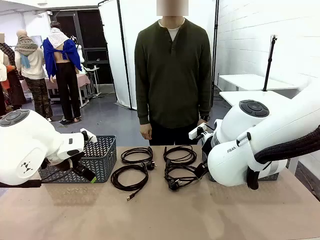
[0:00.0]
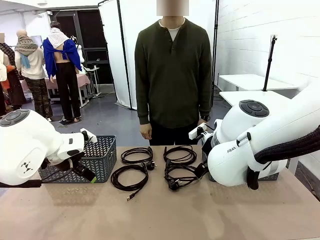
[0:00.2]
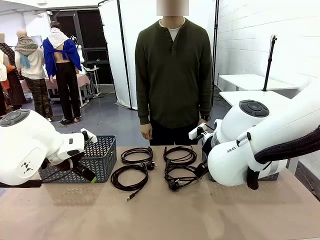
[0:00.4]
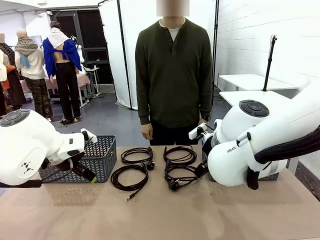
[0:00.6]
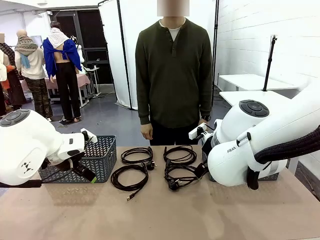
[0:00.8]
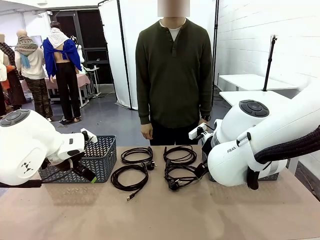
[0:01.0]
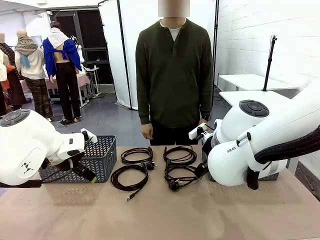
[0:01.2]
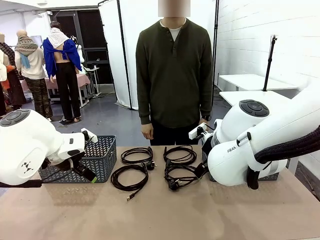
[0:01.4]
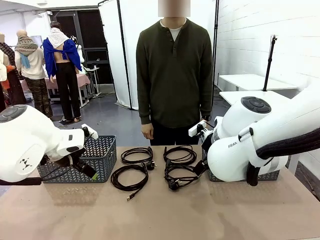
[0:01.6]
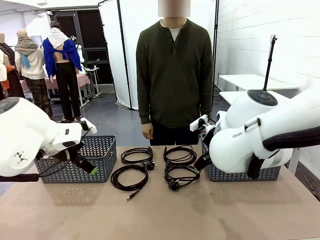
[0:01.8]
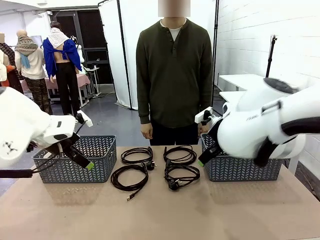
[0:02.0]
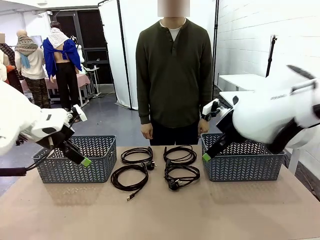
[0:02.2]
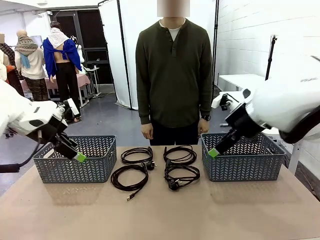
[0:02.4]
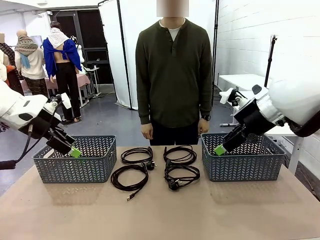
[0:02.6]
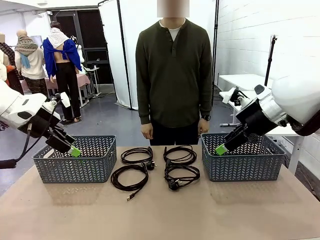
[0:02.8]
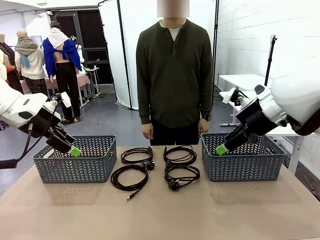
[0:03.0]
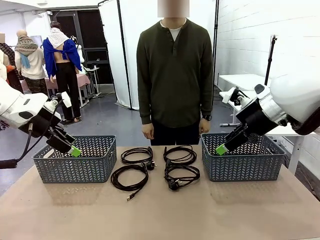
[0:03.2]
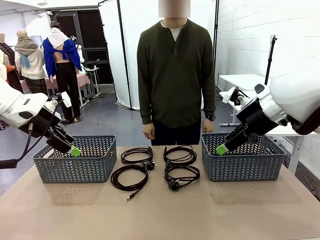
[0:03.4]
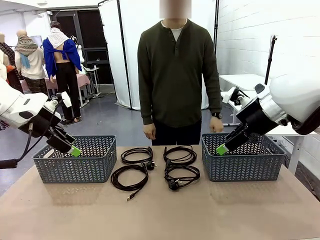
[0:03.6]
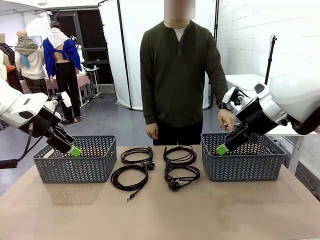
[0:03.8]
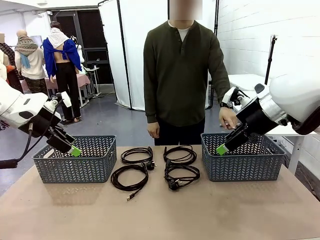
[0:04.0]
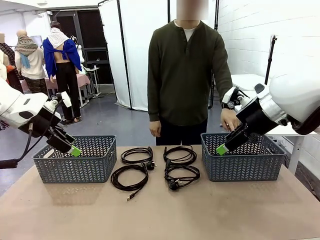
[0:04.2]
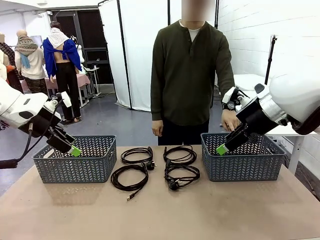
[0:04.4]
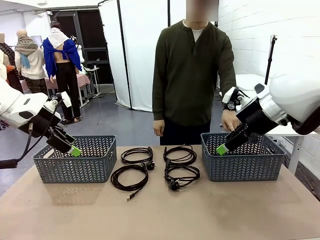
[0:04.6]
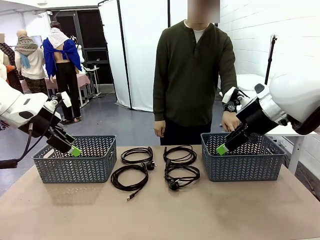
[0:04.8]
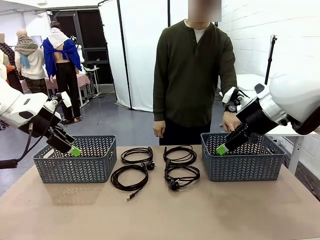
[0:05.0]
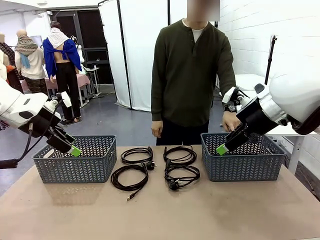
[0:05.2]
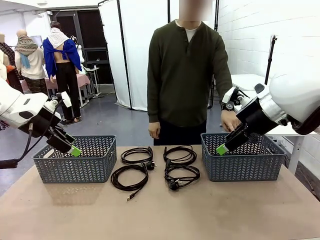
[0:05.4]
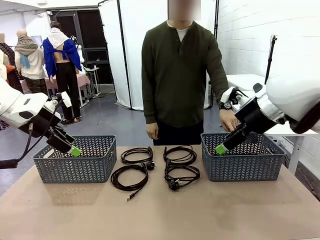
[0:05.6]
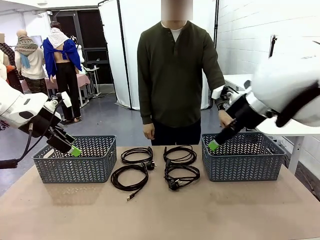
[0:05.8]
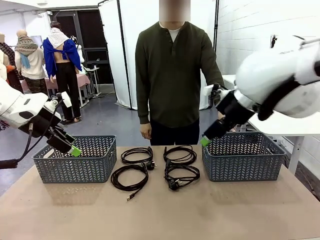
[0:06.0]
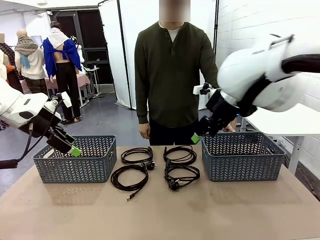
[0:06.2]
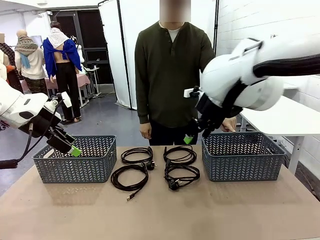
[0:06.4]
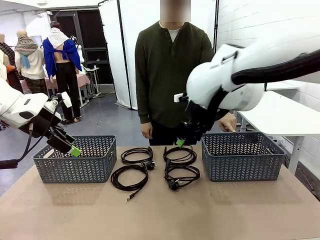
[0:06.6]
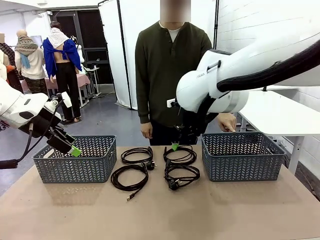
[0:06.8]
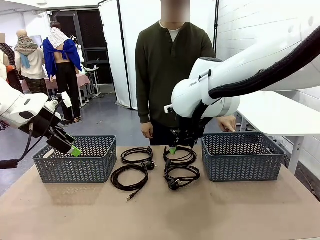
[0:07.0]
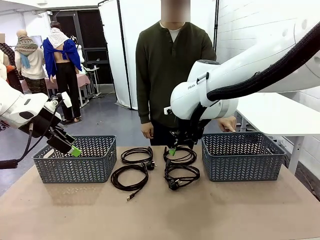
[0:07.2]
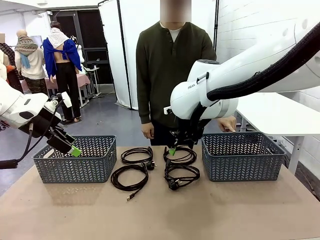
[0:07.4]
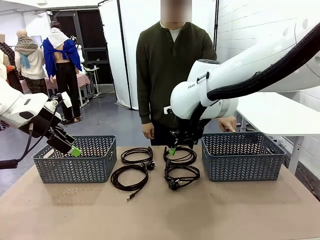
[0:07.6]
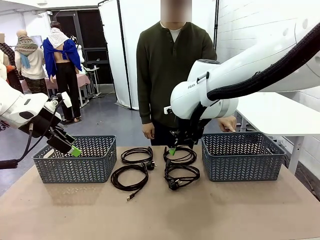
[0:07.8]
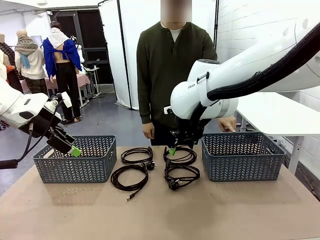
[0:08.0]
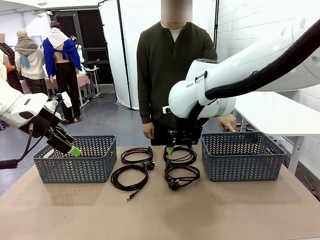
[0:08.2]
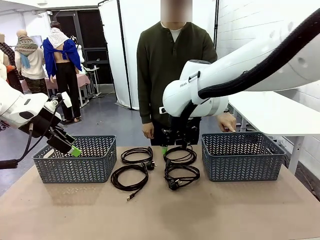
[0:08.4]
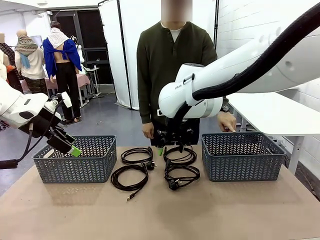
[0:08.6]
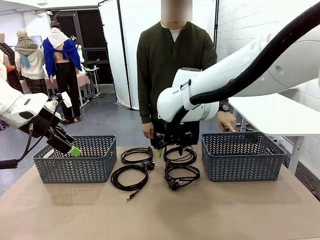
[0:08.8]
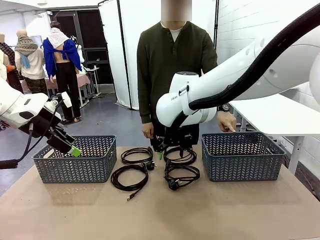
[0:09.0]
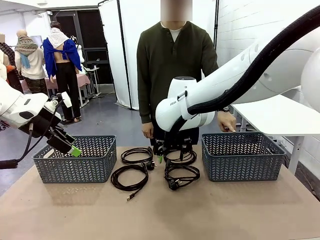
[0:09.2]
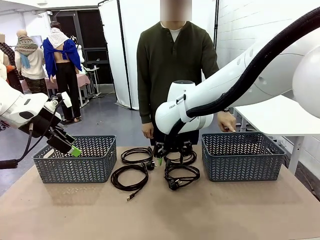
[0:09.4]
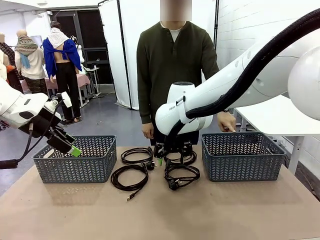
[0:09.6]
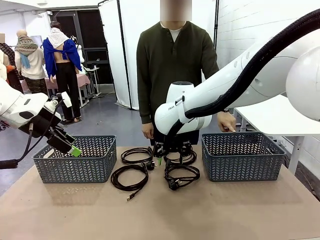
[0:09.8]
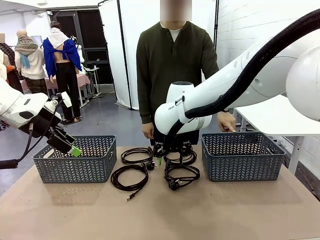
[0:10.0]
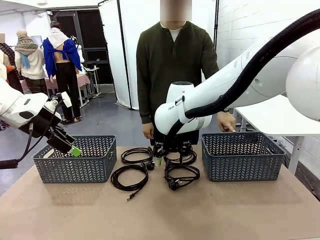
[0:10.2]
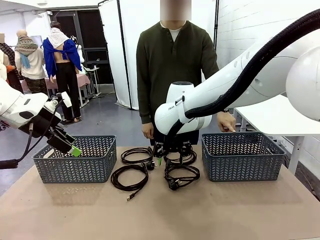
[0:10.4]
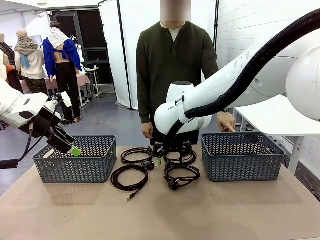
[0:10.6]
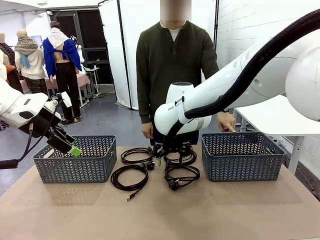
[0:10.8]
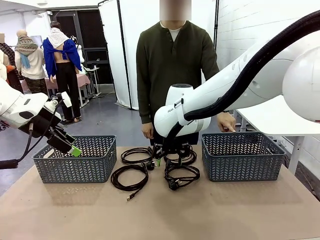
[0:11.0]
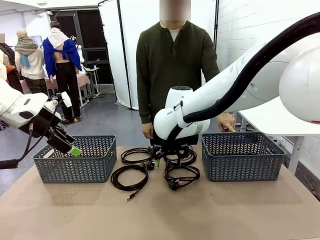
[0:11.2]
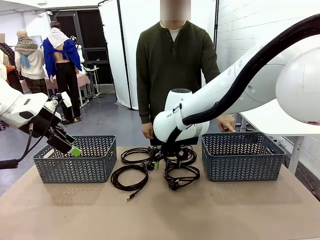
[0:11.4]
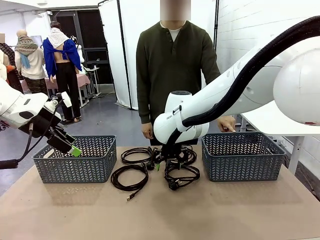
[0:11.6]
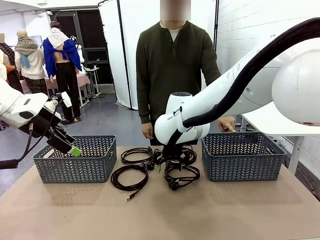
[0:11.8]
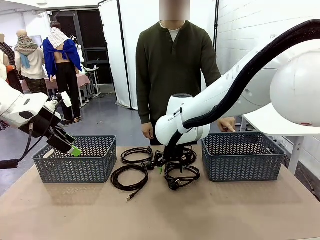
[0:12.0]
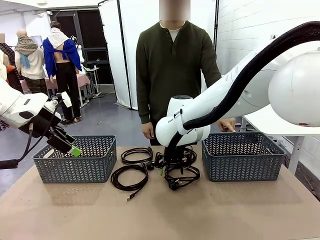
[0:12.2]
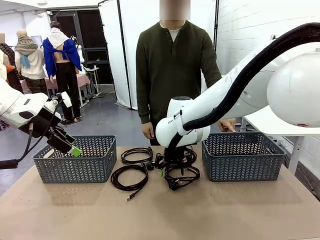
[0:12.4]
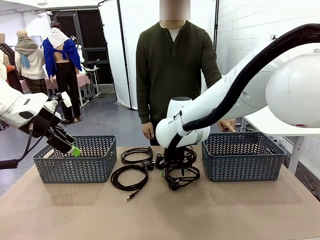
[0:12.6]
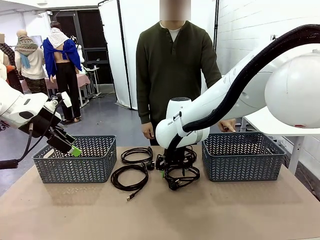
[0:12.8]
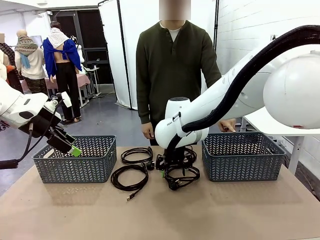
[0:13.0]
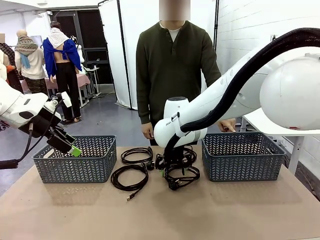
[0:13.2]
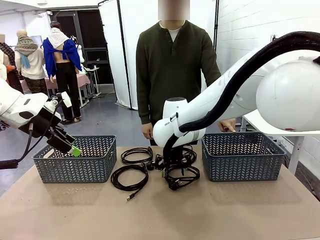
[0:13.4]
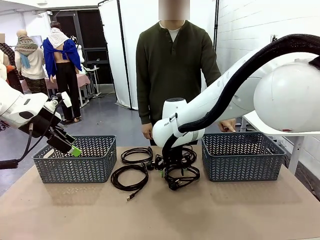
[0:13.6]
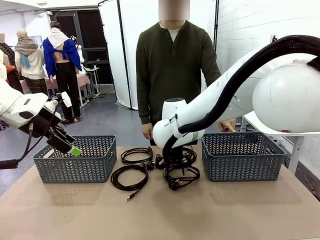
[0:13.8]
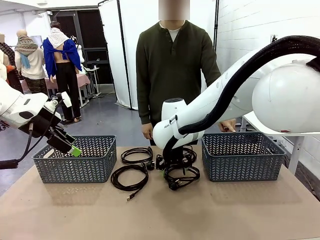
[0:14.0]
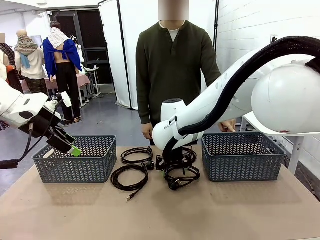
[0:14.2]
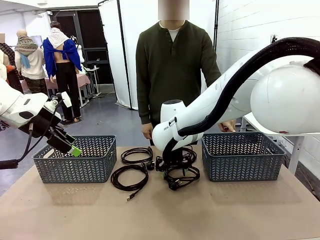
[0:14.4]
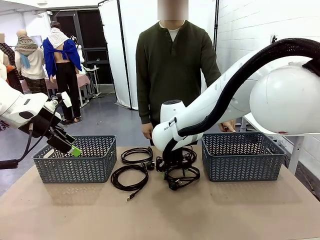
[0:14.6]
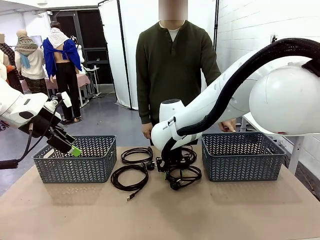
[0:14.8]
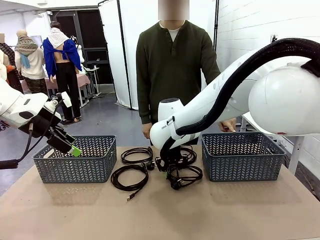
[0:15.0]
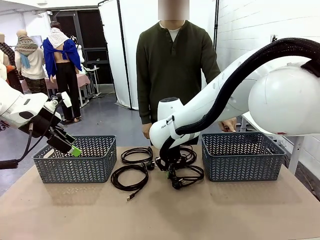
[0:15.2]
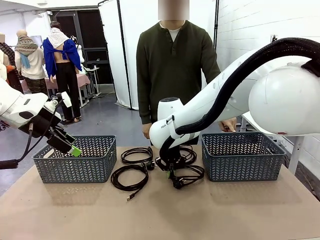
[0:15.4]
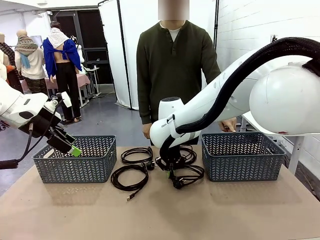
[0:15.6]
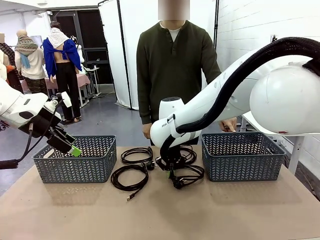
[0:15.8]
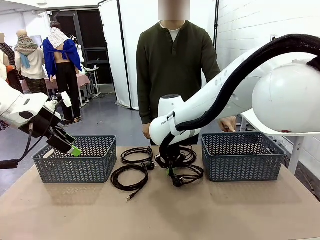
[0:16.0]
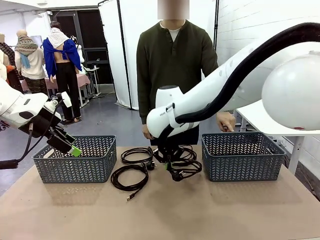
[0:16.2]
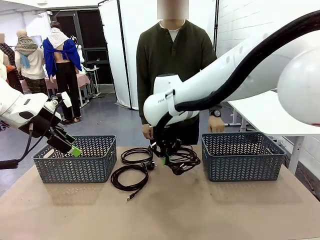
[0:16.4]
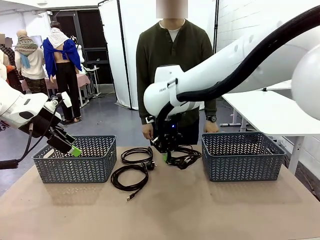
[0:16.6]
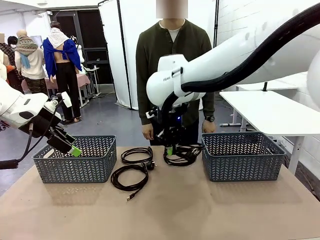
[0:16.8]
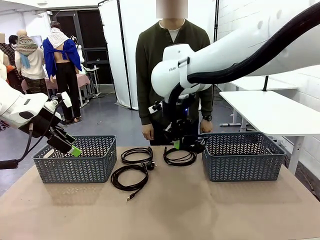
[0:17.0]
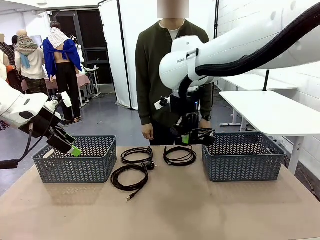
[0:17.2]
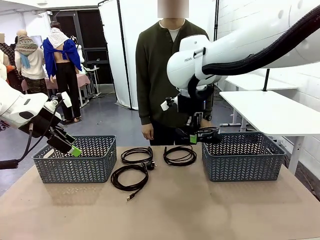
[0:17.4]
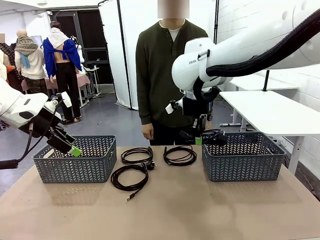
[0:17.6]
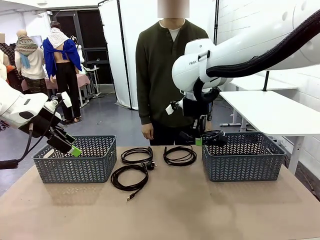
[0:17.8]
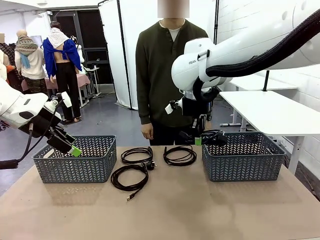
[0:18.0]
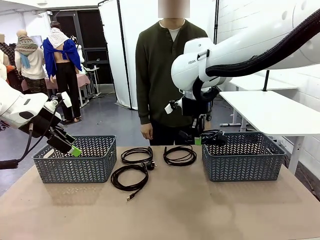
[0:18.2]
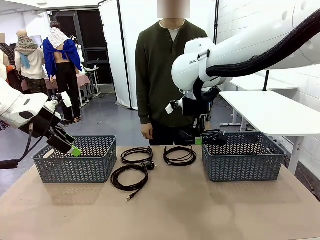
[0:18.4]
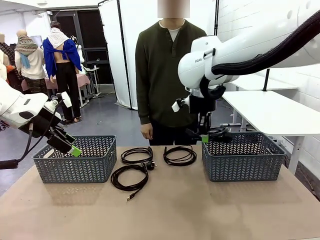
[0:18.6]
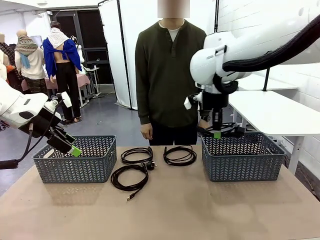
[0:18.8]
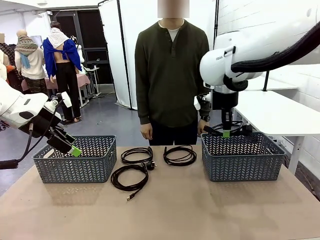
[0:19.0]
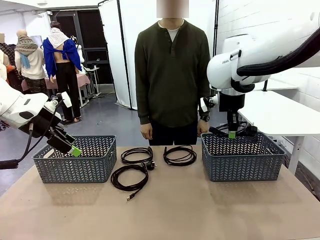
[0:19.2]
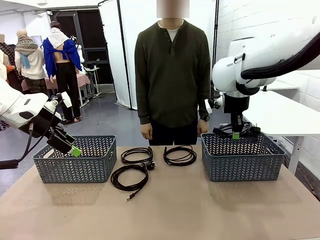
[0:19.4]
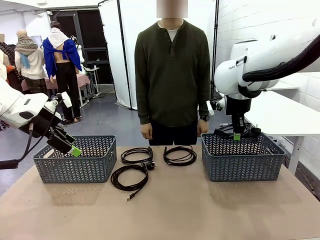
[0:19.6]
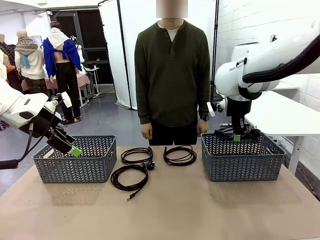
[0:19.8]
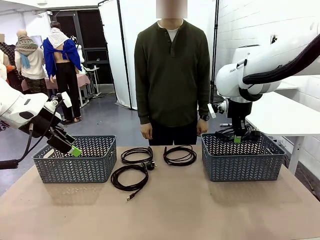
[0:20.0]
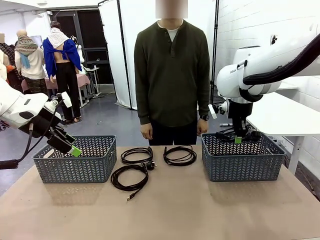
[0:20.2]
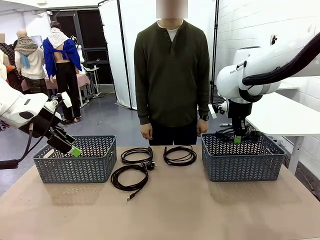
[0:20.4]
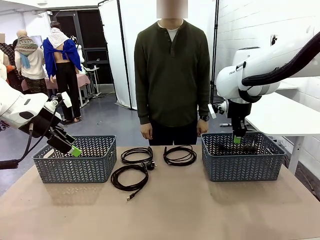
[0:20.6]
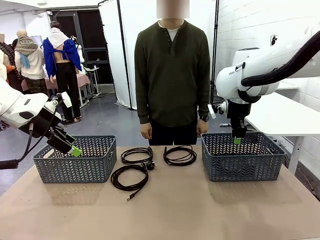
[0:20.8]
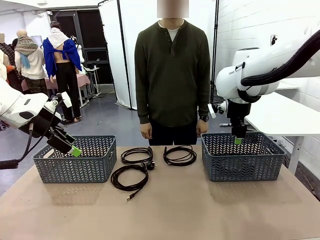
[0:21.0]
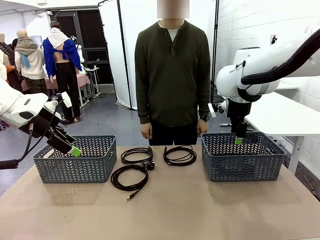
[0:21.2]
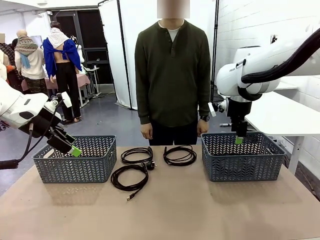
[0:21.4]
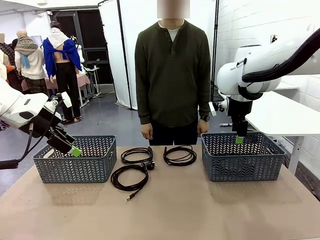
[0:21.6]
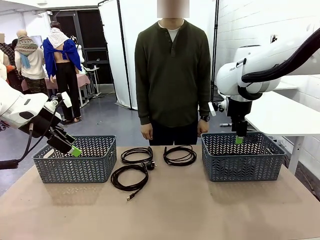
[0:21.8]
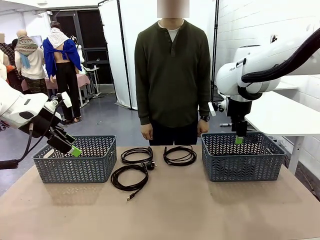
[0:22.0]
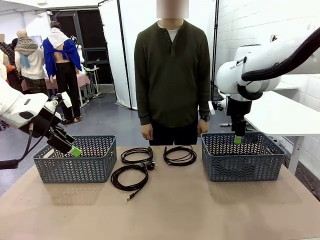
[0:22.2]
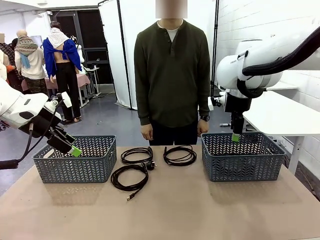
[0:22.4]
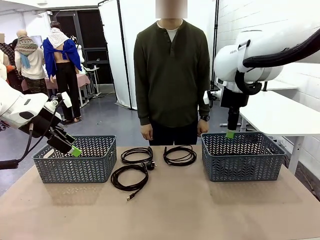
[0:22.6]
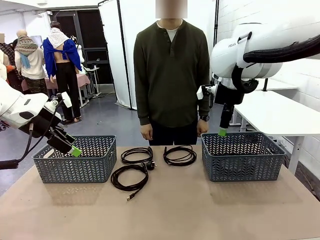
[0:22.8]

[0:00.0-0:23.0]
Task: Organize the cables according to human instructions.
Robot: Pick up a bundle of cables and place it in the basket indicated by the human.
